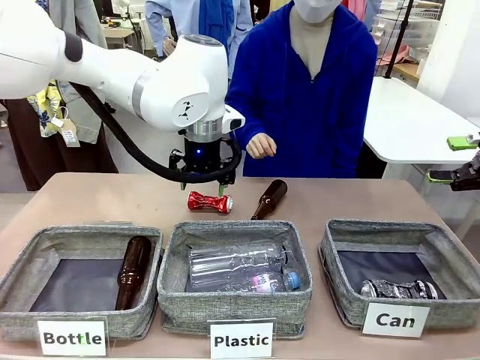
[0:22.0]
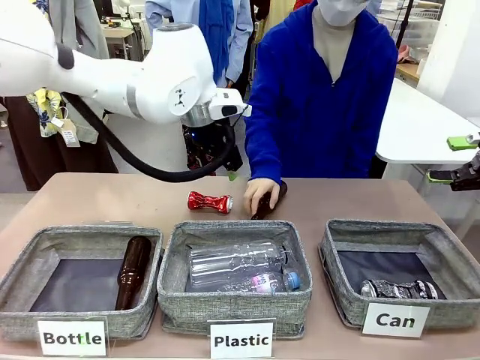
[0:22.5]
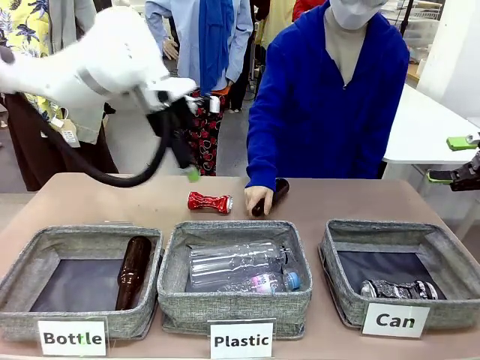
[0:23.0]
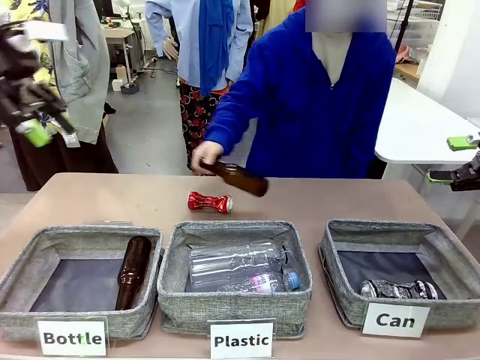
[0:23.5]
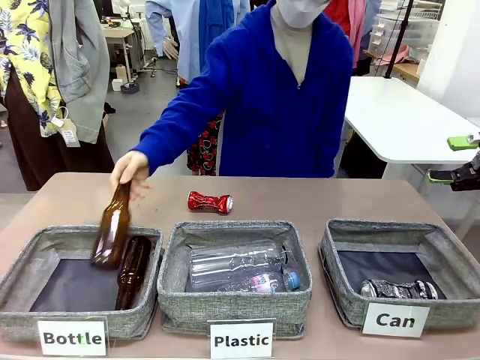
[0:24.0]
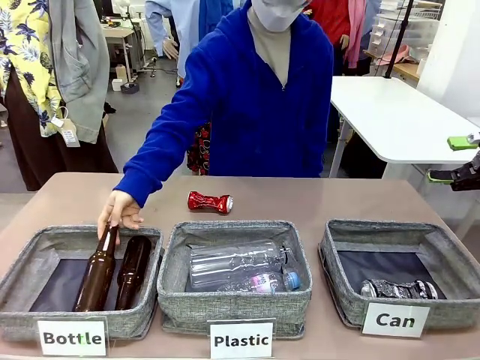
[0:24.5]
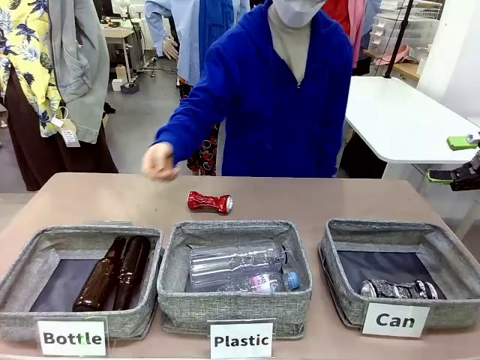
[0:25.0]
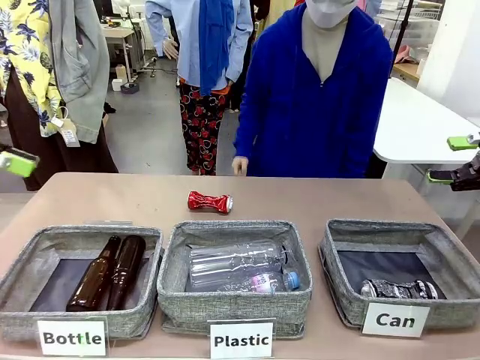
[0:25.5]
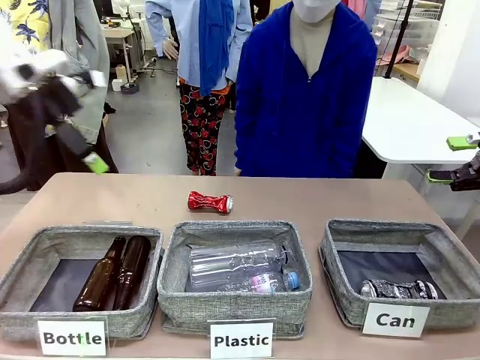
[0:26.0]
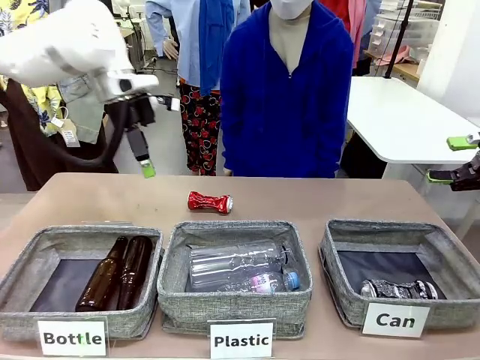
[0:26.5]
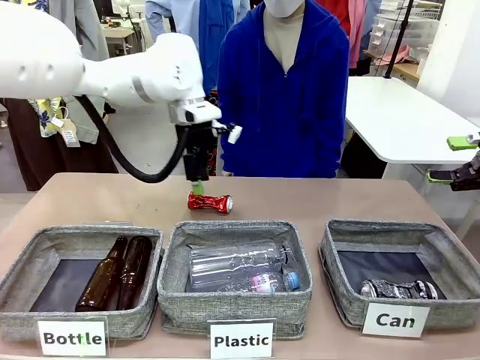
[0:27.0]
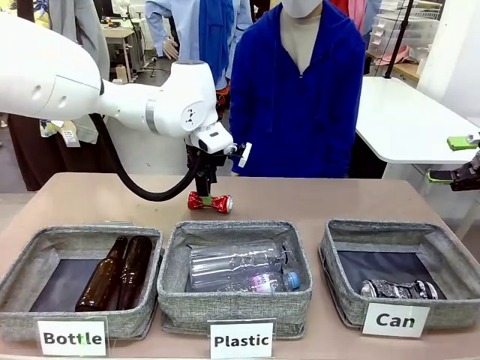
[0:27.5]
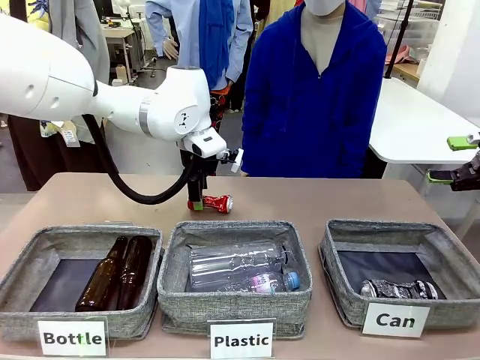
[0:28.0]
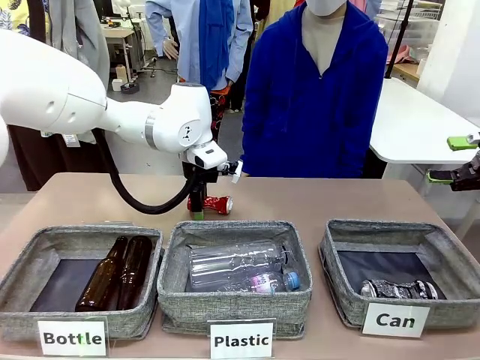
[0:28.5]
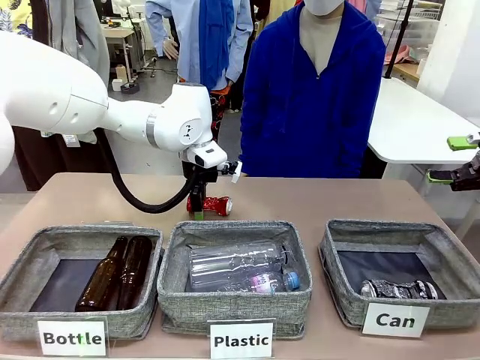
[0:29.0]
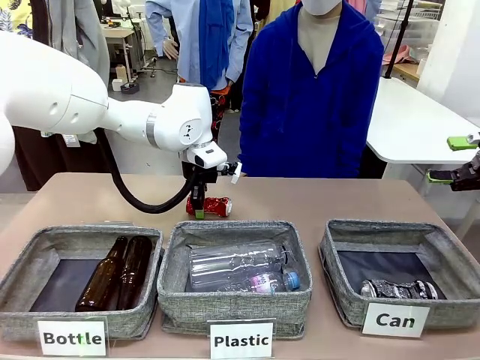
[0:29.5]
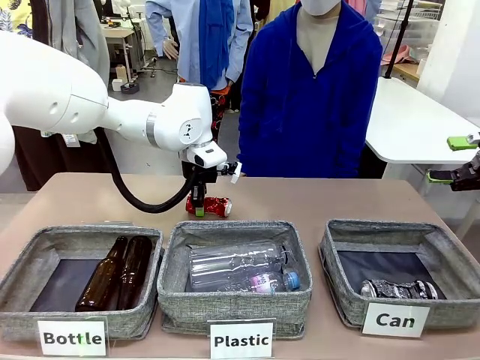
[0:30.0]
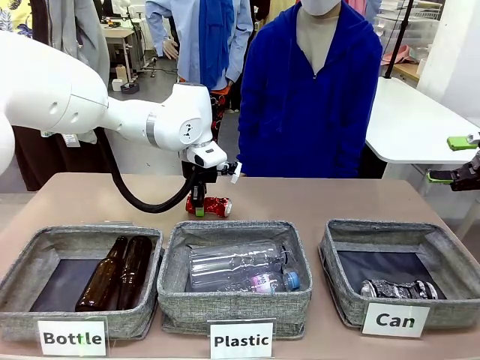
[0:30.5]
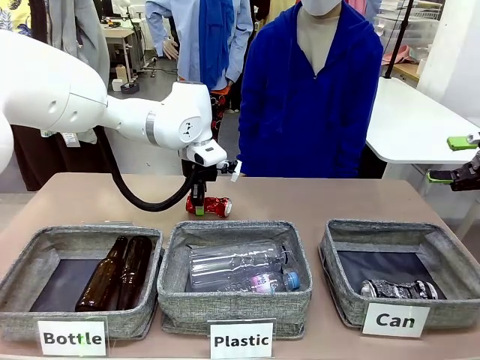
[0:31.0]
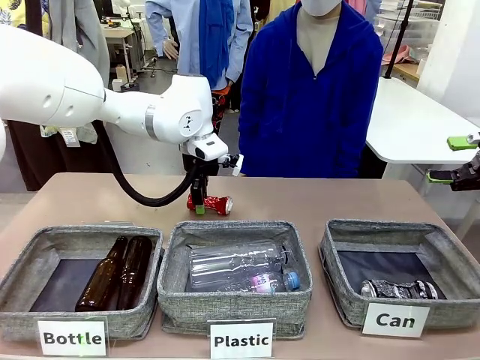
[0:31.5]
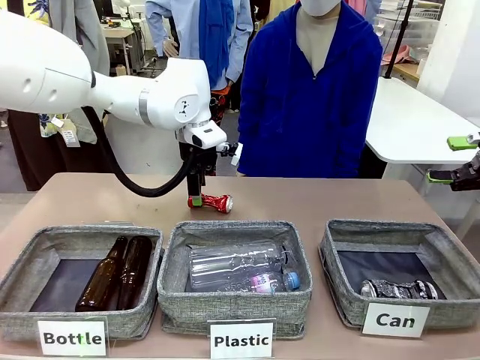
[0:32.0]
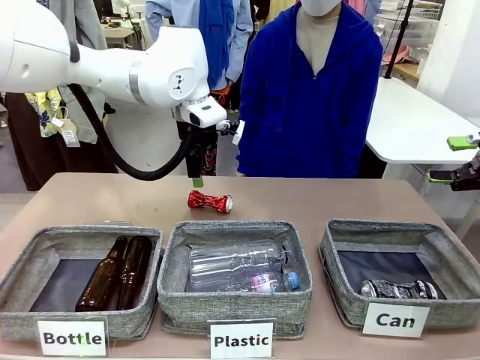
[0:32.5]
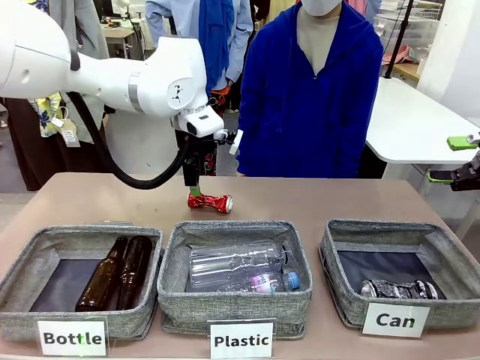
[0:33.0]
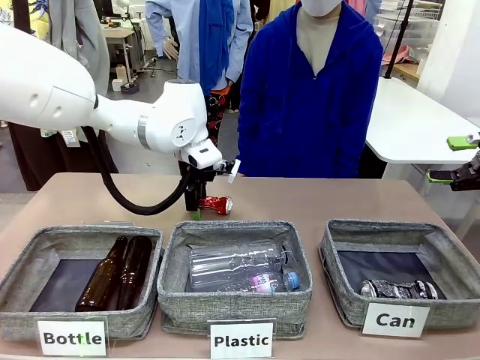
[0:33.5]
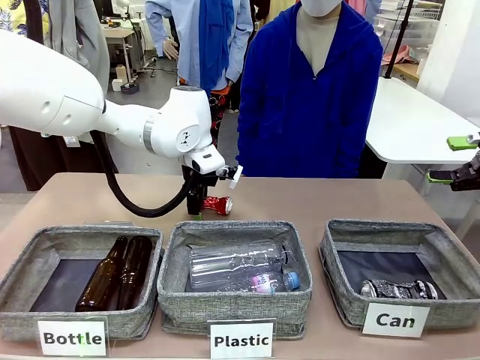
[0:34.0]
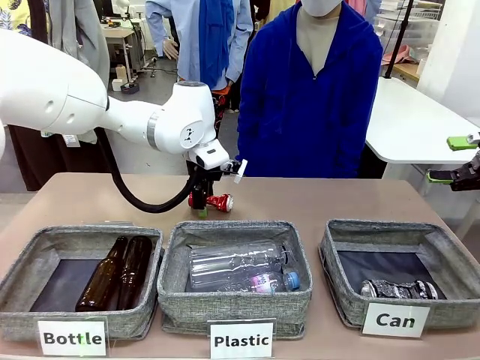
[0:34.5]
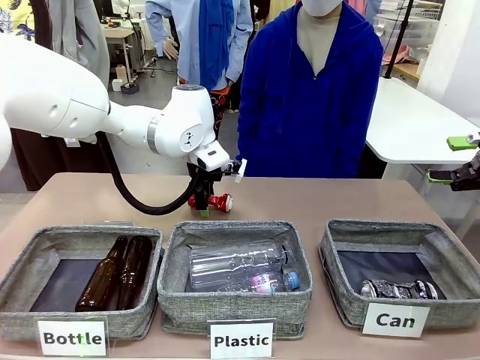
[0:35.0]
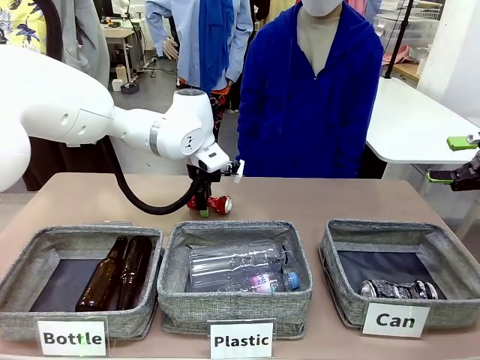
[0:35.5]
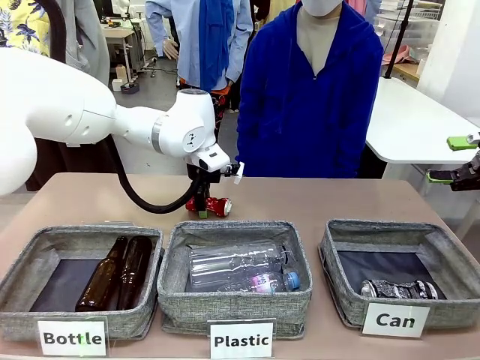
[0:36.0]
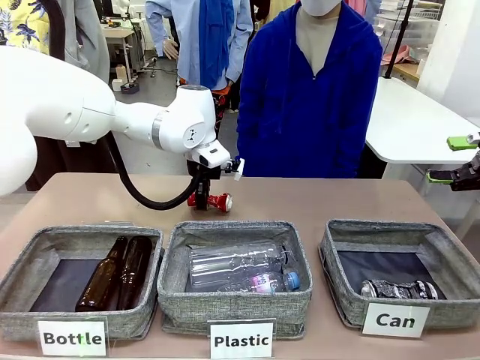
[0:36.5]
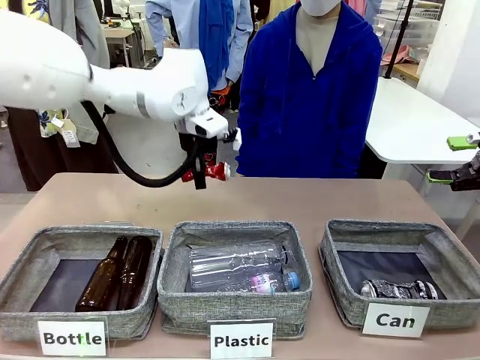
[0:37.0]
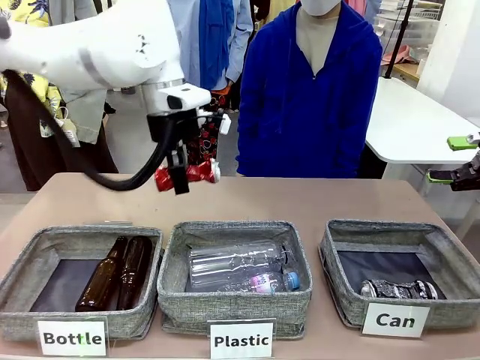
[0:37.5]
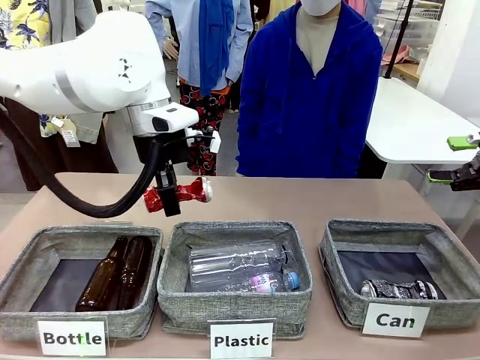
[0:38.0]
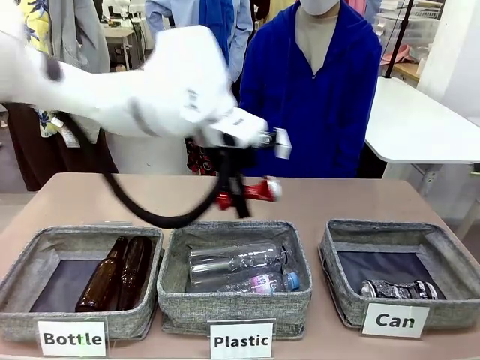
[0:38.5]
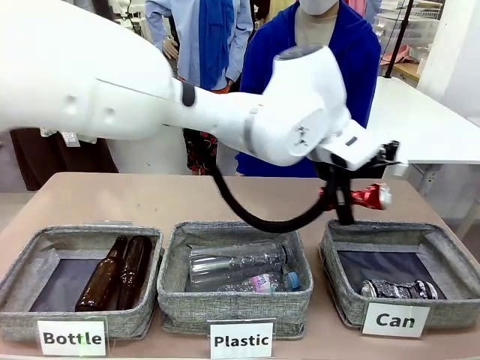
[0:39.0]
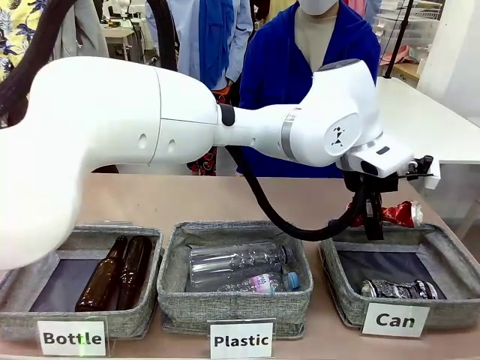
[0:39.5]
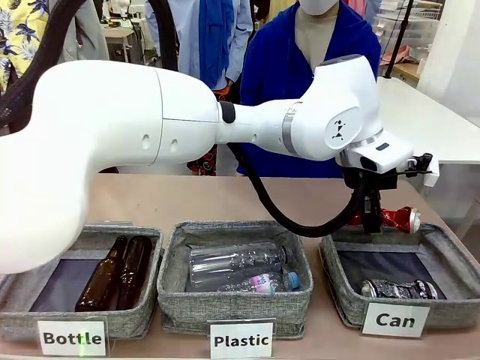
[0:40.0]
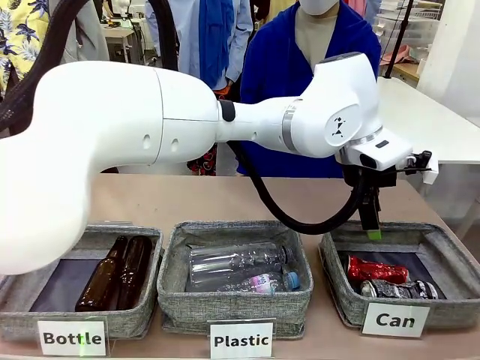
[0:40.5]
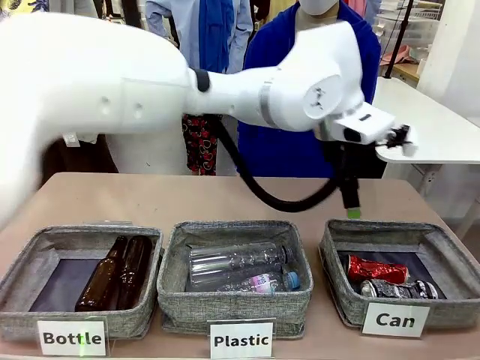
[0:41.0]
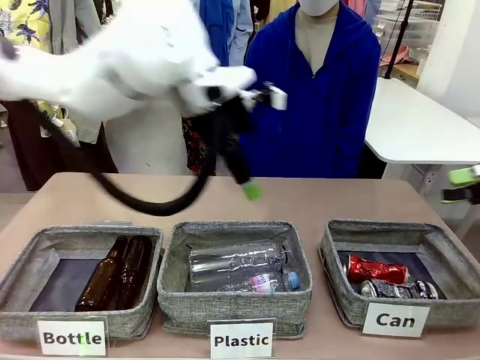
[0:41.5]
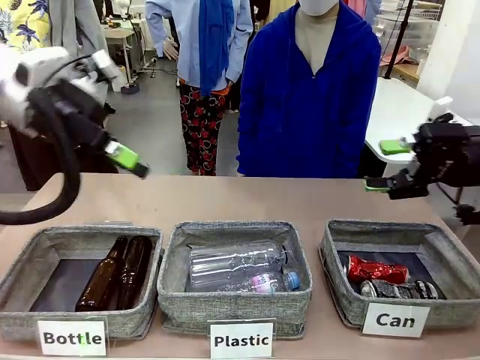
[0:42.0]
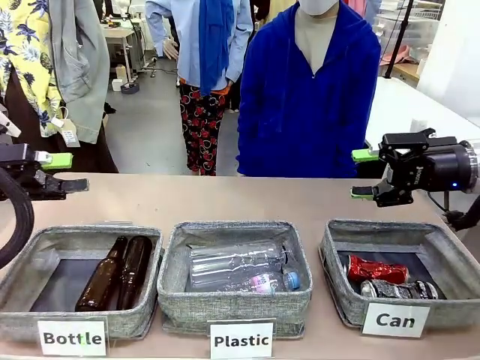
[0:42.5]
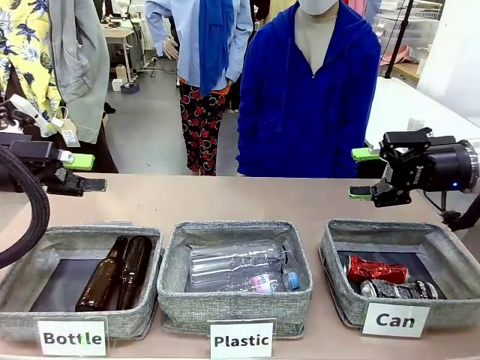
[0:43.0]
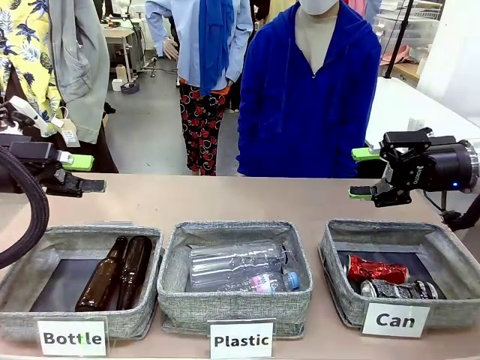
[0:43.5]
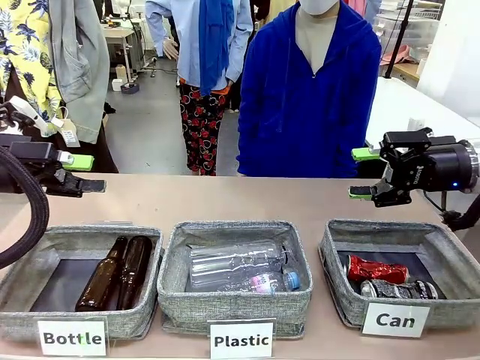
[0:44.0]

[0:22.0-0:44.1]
Task: Sort the can waste into the basket.
Robot: Pick up the can waste from the table and place it in the right Fabric basket.
Person: The human picks up one piece of trash that is not a can and places the trash into the appropriate organizing basket.
